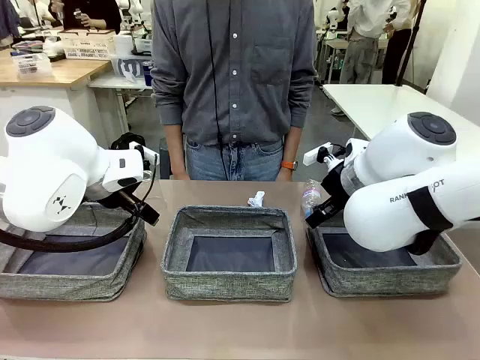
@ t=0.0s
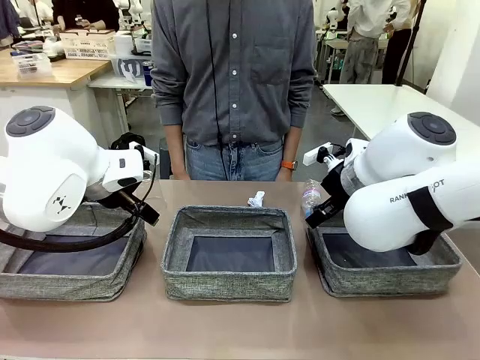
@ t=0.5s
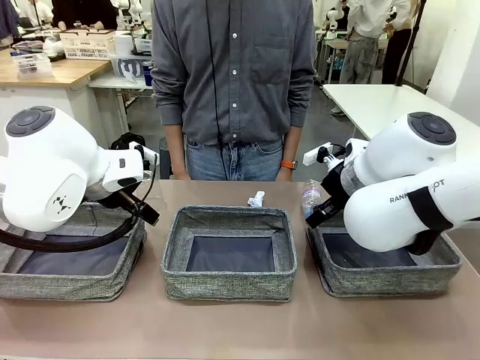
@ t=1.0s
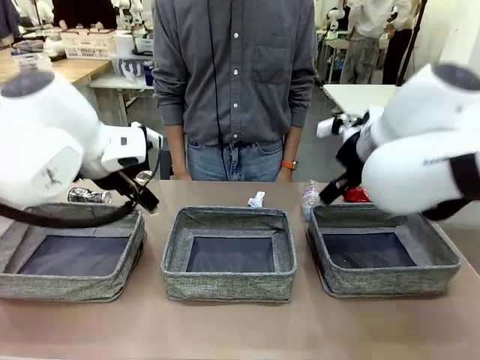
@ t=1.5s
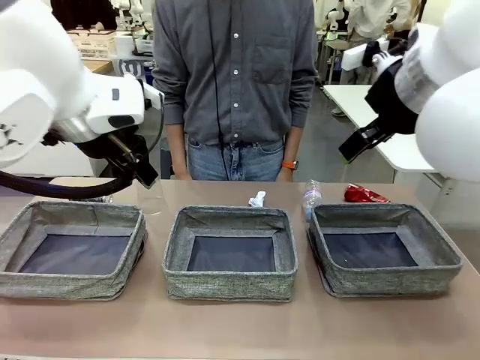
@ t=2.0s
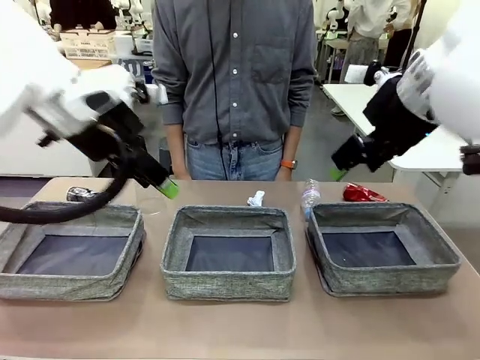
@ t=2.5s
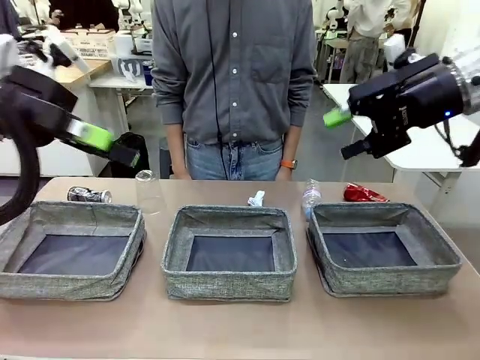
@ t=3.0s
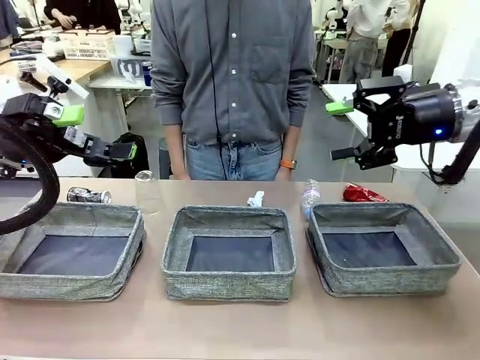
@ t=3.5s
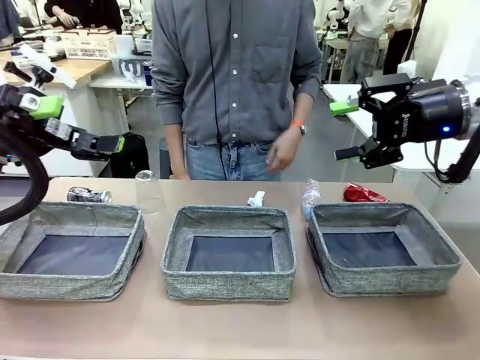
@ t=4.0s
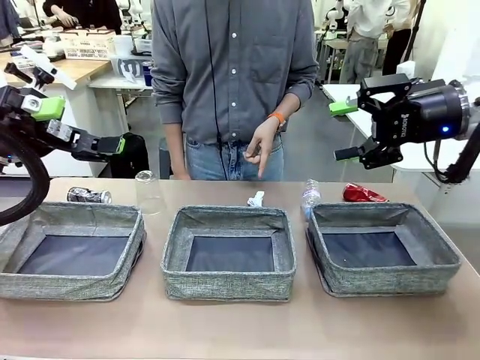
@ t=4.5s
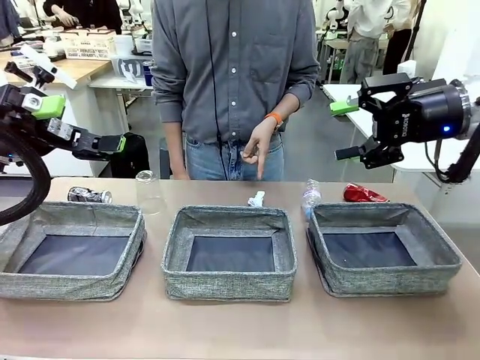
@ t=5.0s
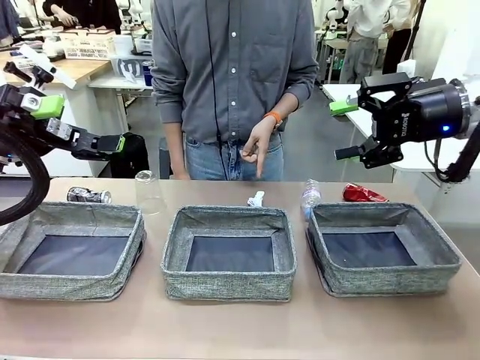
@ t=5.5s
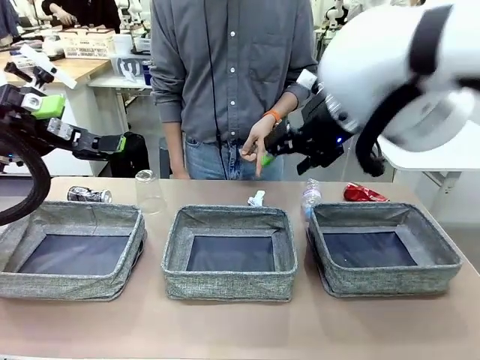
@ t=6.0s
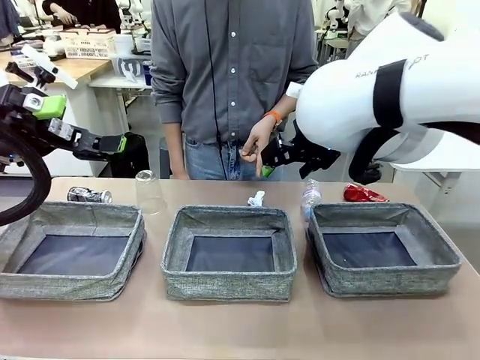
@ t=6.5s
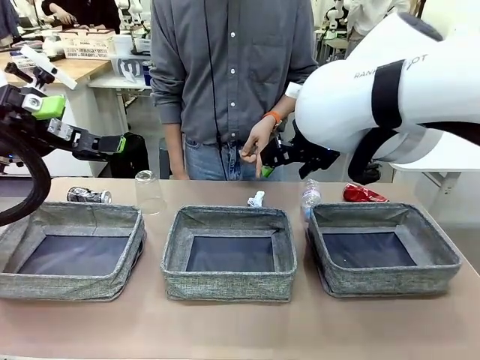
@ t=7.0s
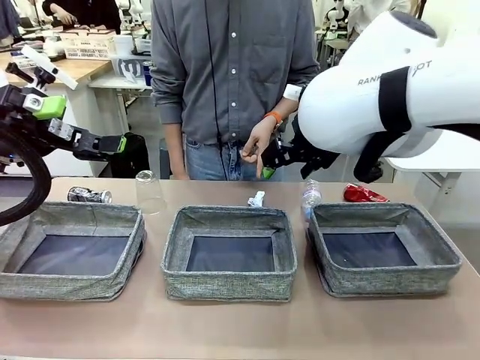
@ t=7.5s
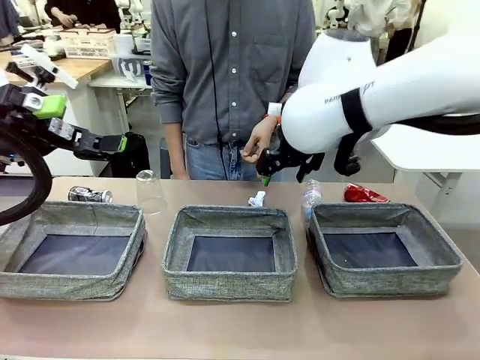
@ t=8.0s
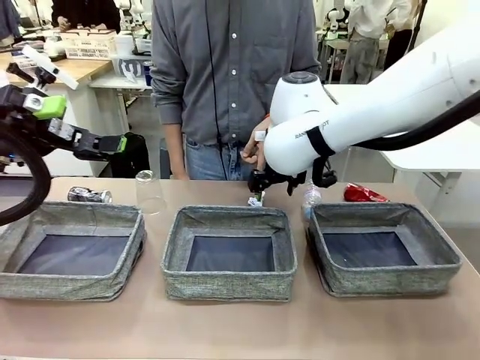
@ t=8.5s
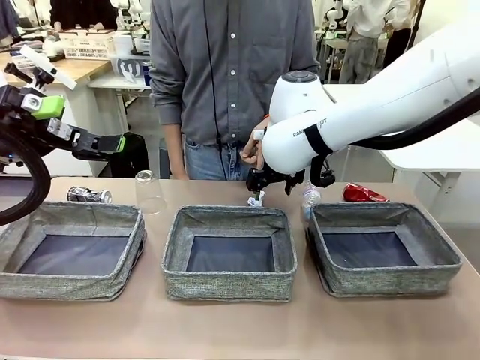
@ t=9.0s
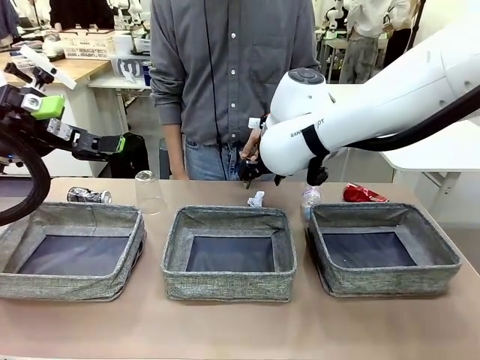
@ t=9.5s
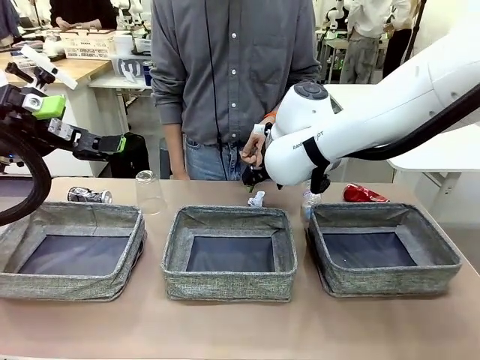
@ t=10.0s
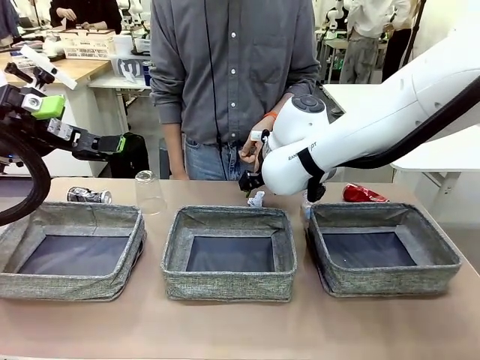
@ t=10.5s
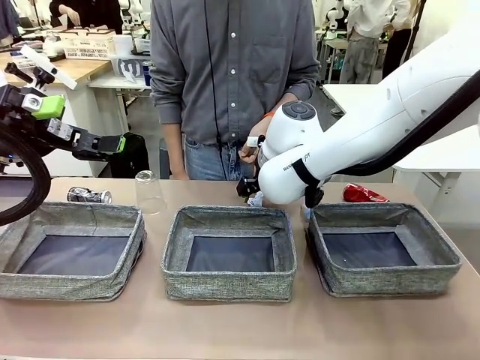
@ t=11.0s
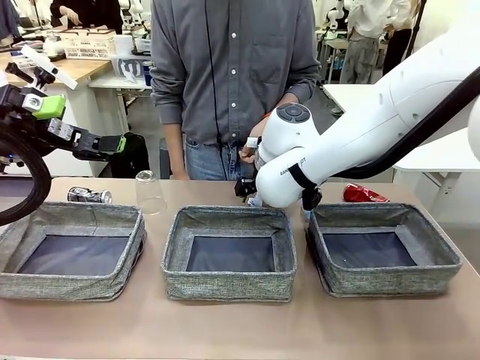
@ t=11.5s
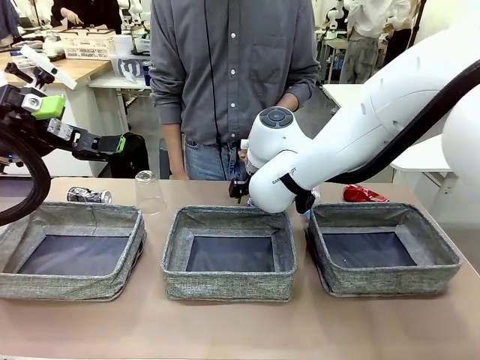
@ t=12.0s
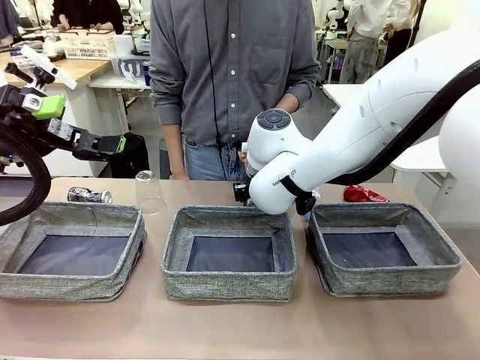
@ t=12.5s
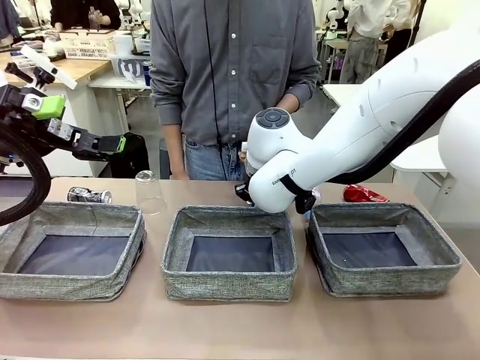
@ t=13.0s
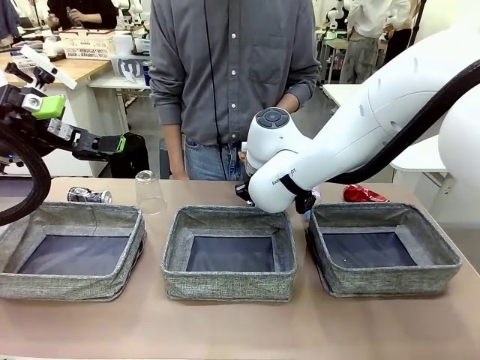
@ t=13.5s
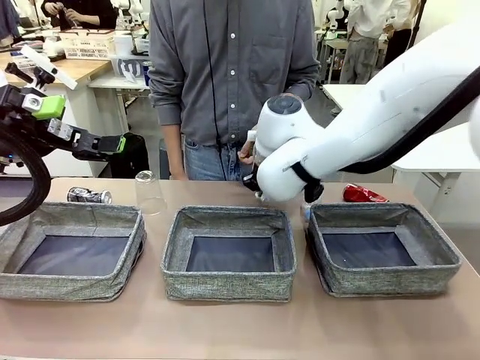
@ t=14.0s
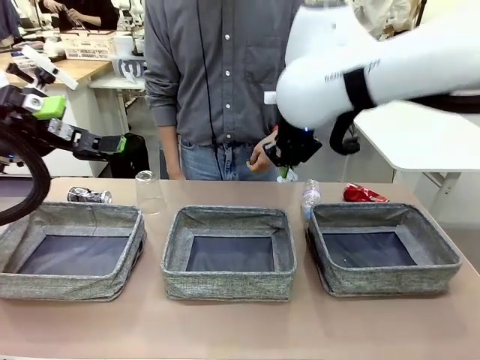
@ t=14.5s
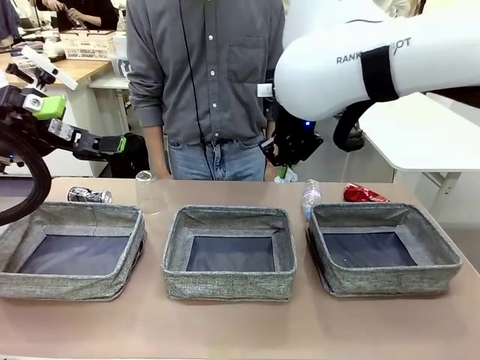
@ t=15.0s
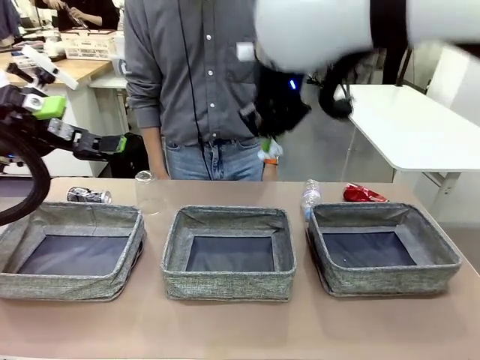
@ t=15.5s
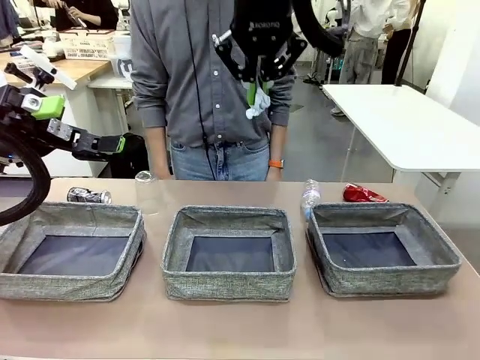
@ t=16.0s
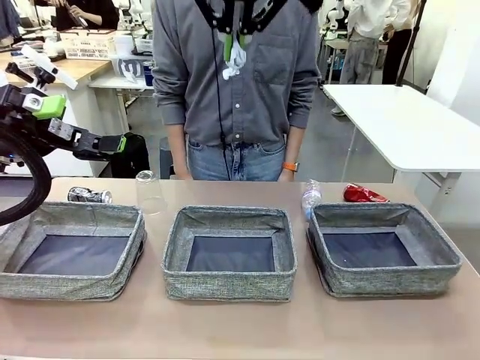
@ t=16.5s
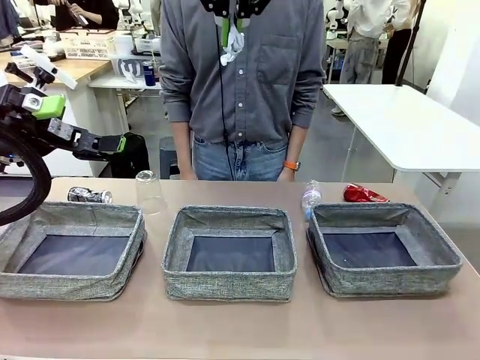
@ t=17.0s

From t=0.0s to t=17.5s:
Task: Sort the waste into the appropriate baskets.
Robot: Pick up the waste item pointed out by the person.
Person: Points to one piece of trash on the table.

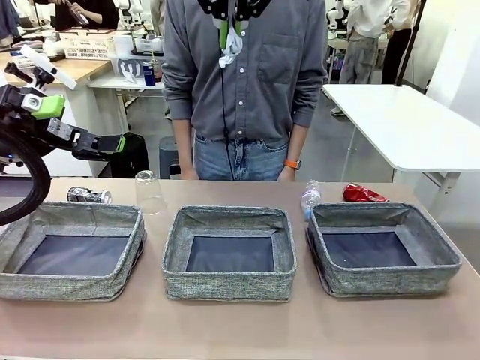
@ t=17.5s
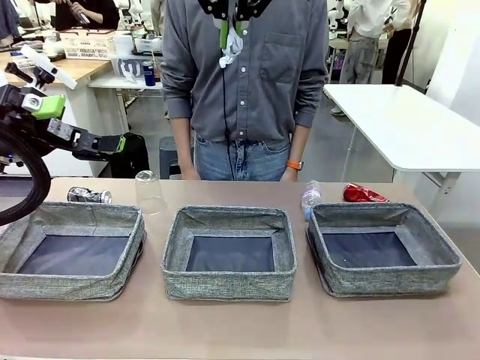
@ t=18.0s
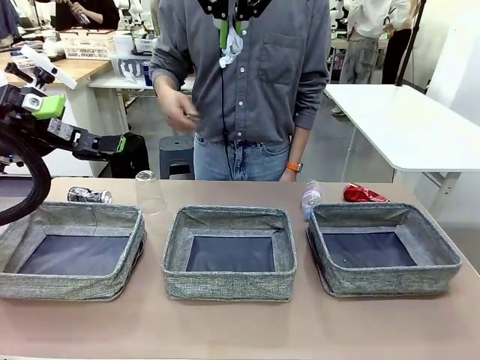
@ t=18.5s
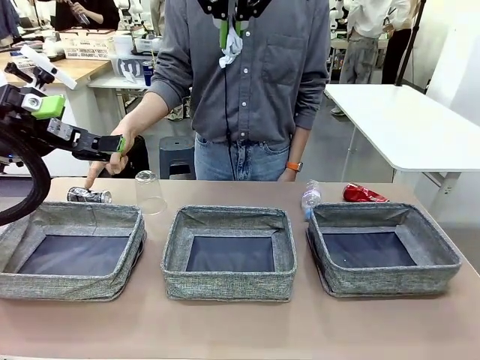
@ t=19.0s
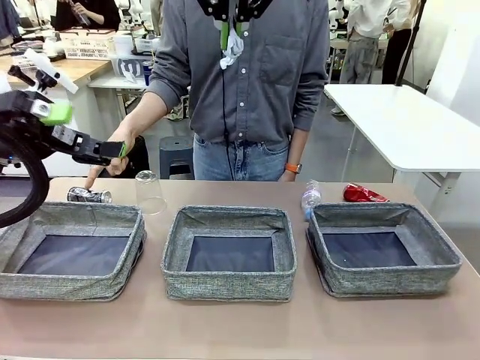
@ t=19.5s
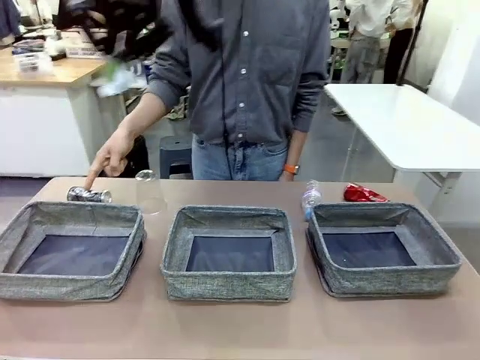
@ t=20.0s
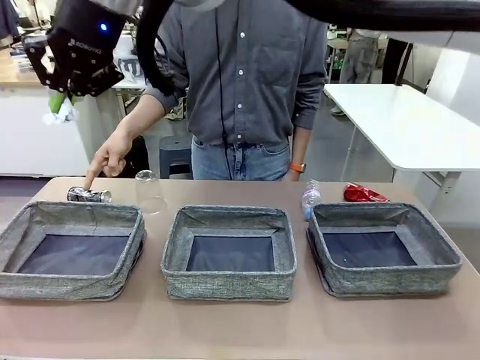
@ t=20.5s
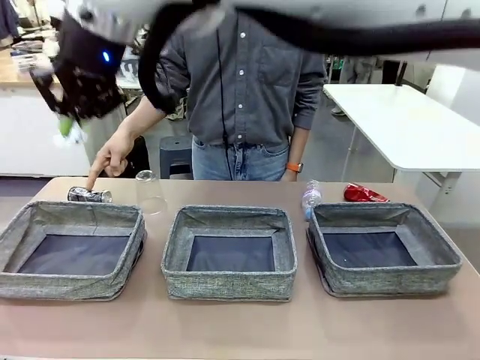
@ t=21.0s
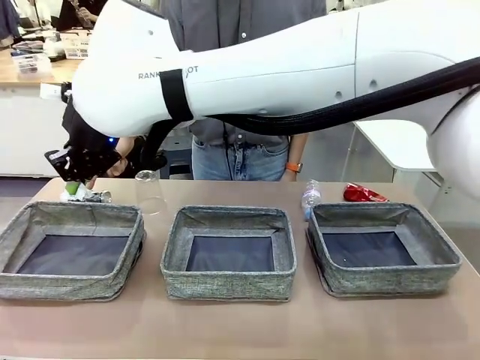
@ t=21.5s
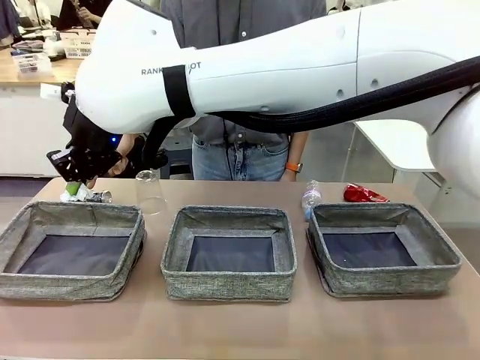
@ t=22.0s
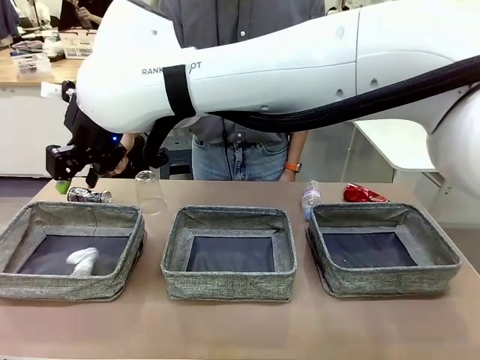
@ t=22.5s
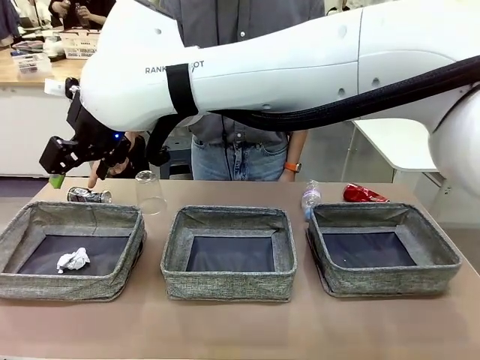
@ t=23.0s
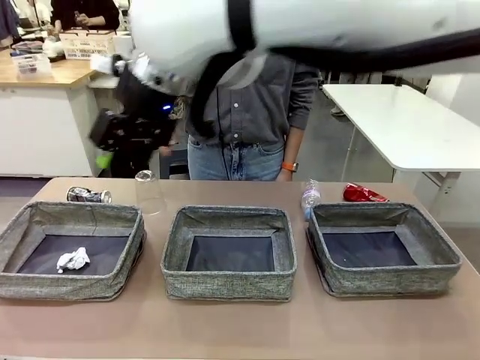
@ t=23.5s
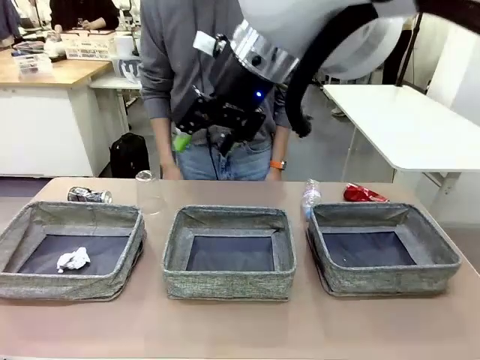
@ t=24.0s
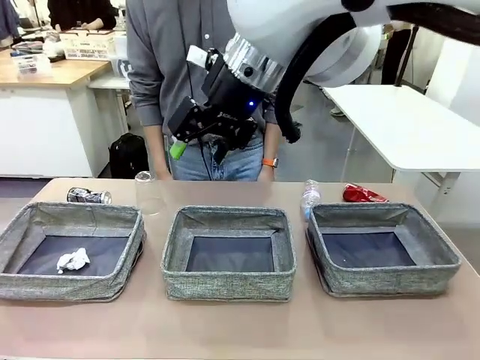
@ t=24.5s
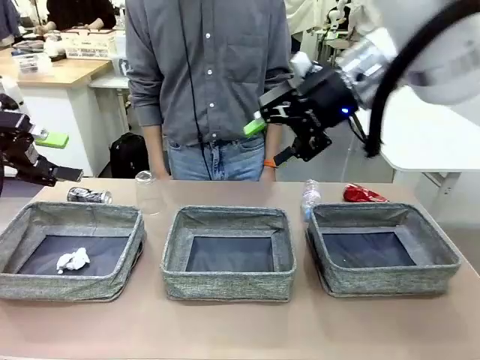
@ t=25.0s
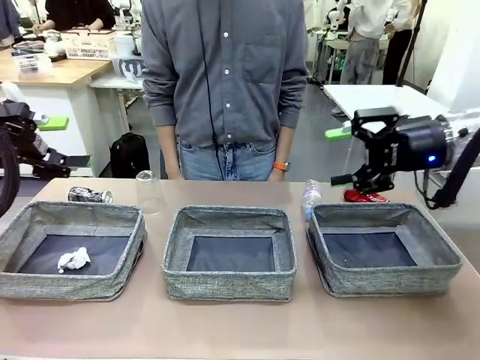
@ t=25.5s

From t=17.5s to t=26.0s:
Robot: Place the picked waste into the Fabric basket indicated by the person.
Person: Instructs the robot to place the picked-up trash into the appropriate organizing basket.
